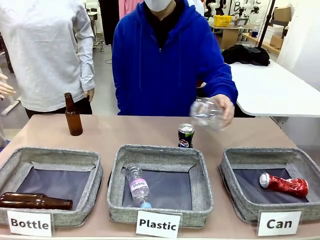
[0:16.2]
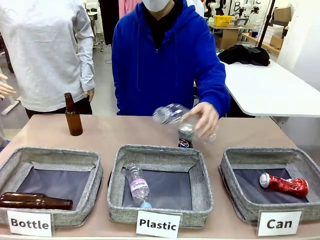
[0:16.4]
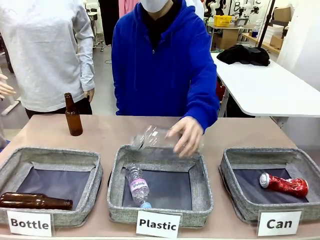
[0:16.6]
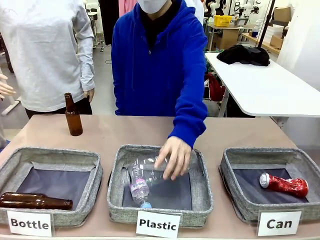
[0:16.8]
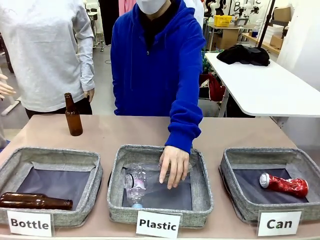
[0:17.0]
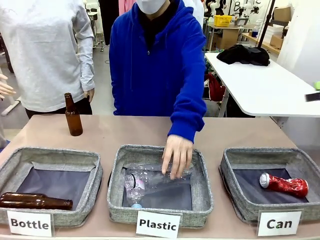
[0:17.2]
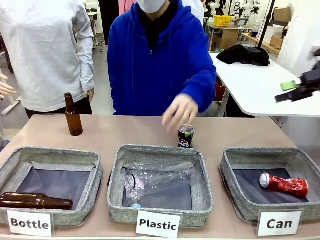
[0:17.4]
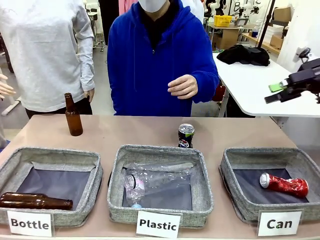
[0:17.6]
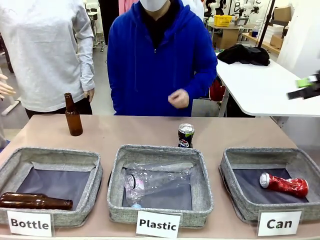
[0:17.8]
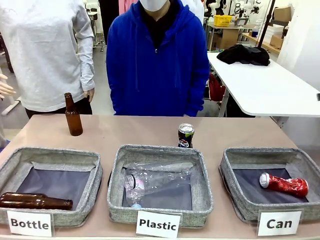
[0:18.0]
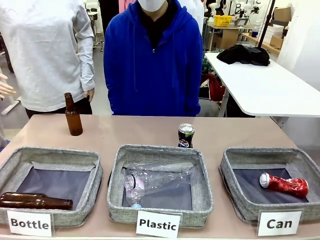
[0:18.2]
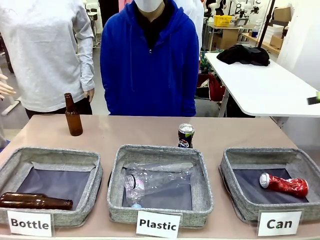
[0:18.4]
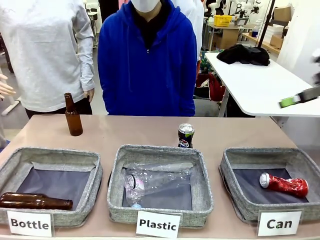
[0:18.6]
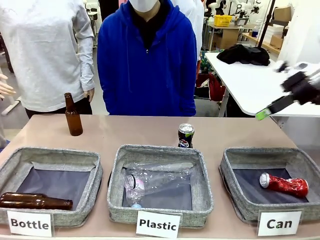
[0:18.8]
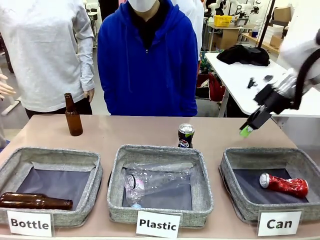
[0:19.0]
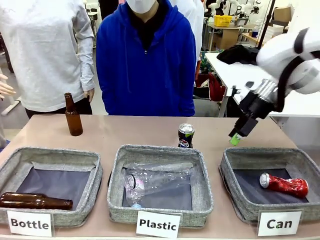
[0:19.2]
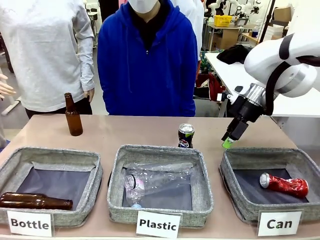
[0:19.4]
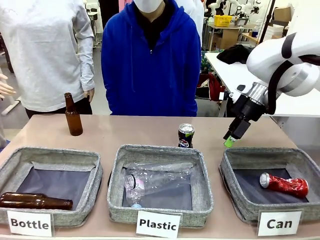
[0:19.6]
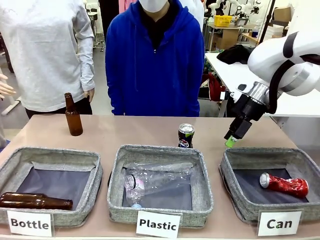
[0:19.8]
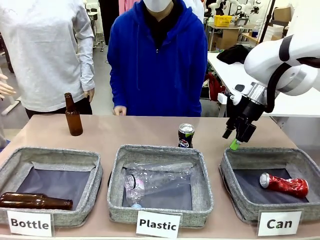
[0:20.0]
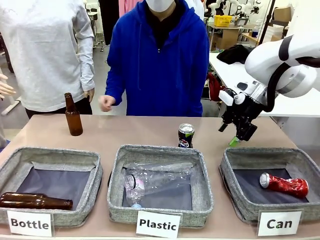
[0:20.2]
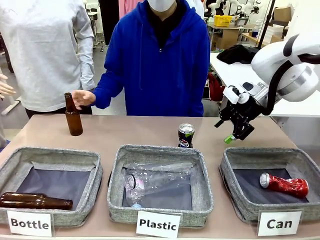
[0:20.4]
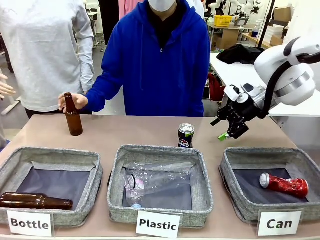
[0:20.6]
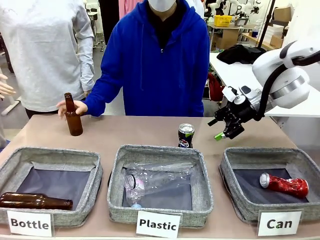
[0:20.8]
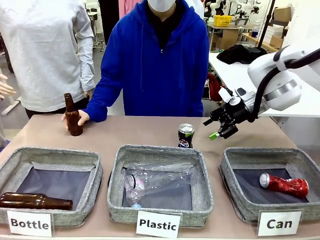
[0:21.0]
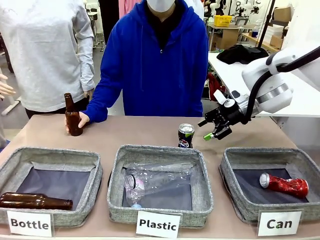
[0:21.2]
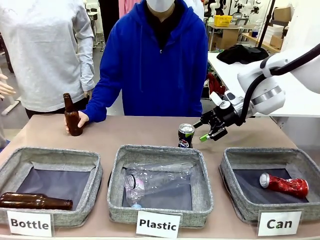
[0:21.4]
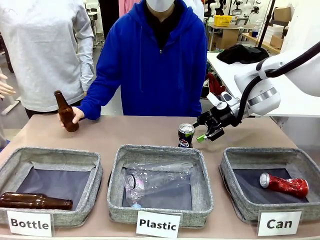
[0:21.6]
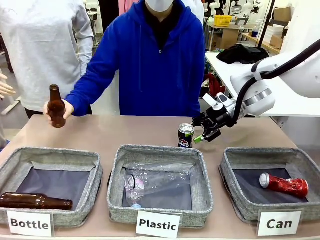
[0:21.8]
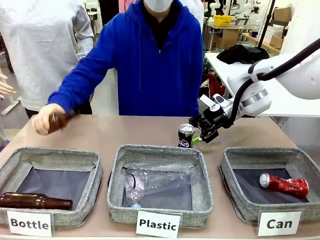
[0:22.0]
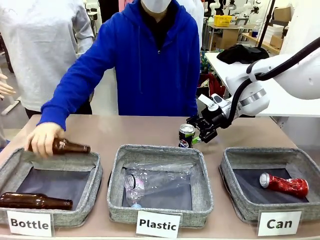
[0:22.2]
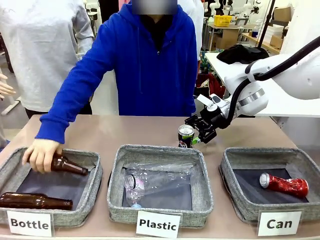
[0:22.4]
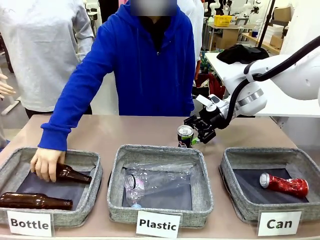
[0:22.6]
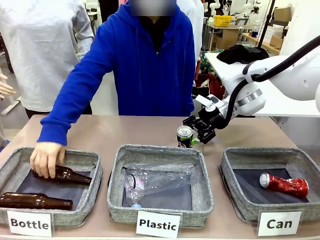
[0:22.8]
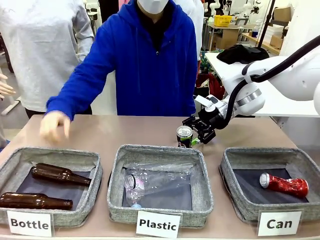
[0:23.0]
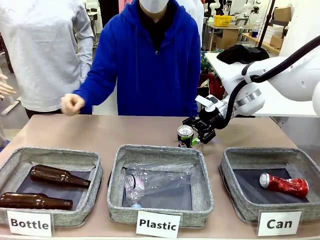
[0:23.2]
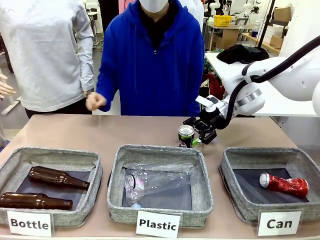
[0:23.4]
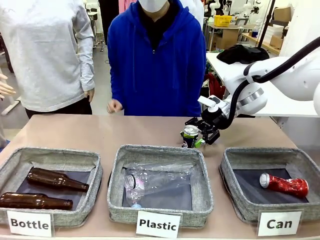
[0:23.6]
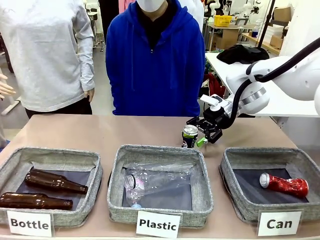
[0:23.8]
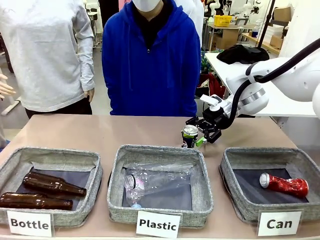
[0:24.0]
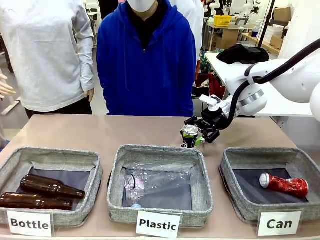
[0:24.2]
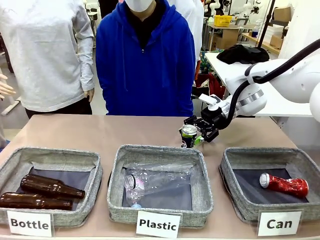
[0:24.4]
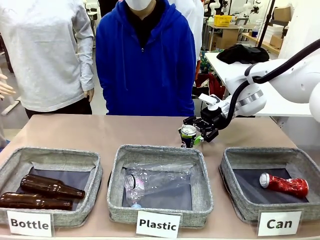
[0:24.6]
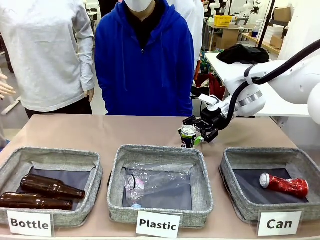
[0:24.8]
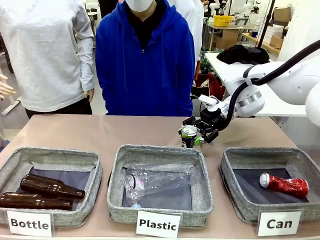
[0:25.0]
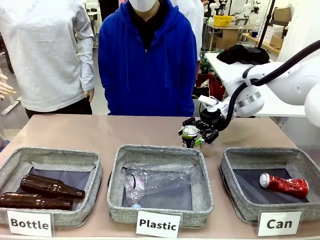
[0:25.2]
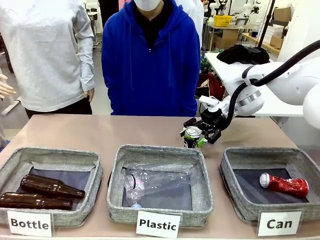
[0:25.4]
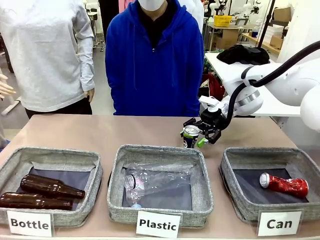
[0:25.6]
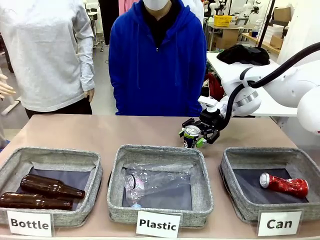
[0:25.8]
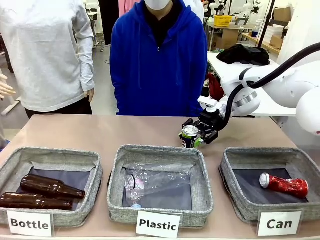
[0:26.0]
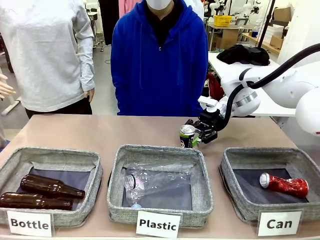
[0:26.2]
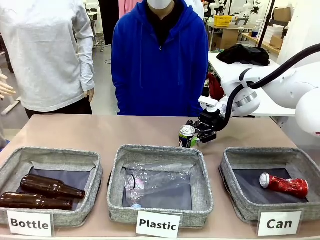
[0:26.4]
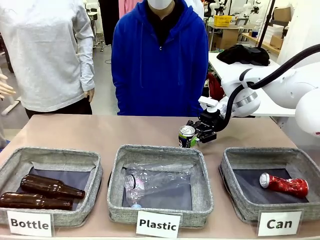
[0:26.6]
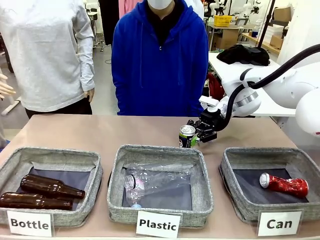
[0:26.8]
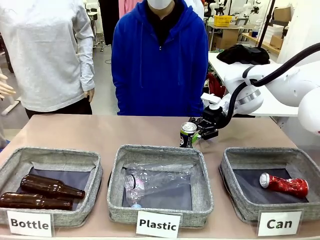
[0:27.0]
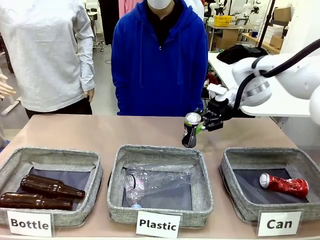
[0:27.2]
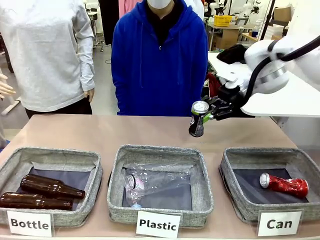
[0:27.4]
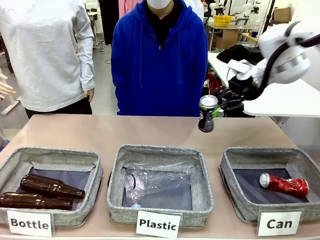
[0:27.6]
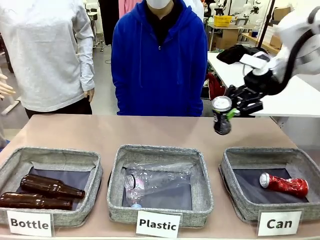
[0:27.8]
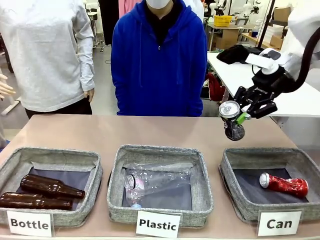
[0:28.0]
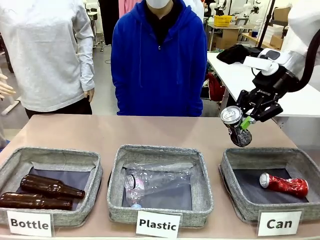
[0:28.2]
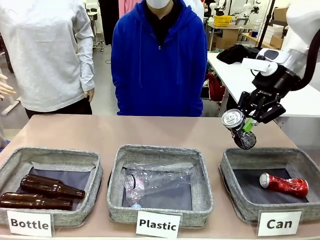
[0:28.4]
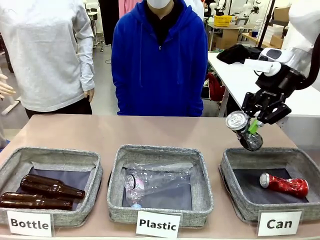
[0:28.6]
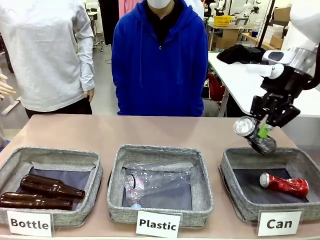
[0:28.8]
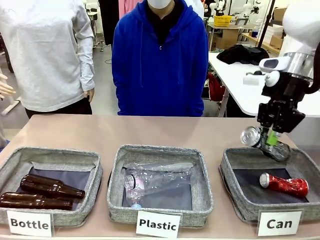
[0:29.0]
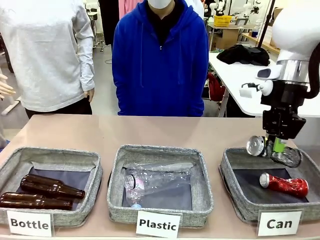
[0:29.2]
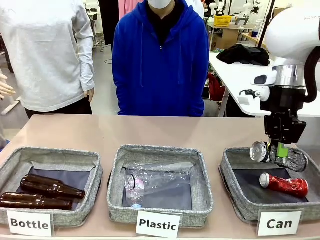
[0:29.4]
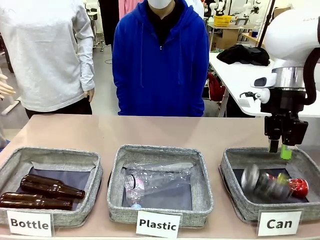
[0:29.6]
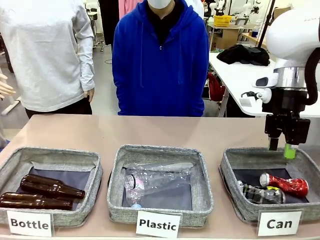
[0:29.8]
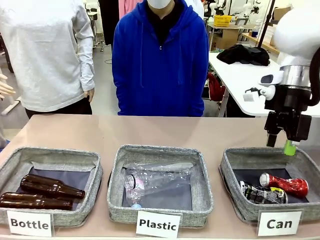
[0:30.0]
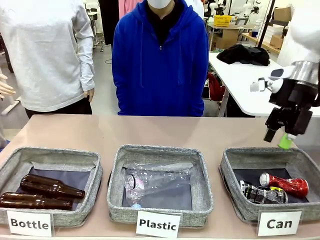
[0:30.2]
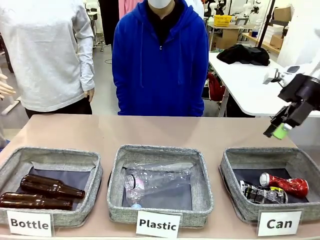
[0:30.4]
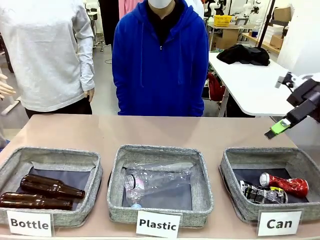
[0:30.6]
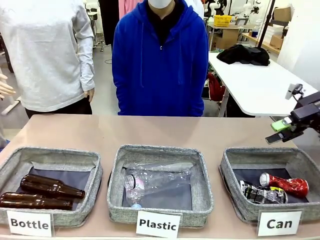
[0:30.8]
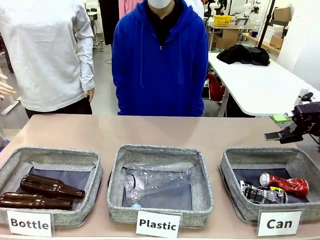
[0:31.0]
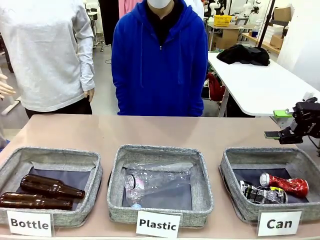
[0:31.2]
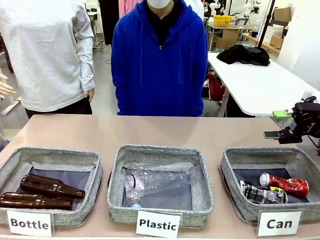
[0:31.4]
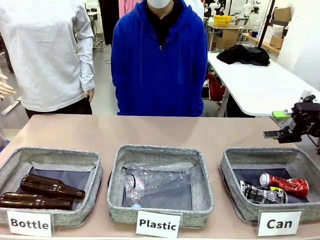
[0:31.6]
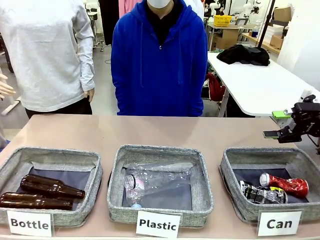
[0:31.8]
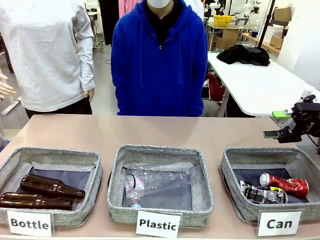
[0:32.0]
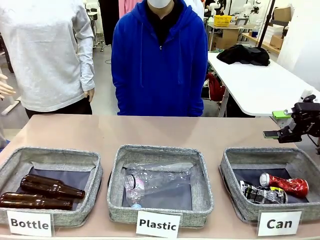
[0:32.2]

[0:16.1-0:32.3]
Task: Sort the can waste into the basket.
Robot: Pick up the can waste from the table and place it in the right Fabric basket.
Person: The human picks up one piece of trash that is not a can and places the trash into the appropriate organizing basket.
